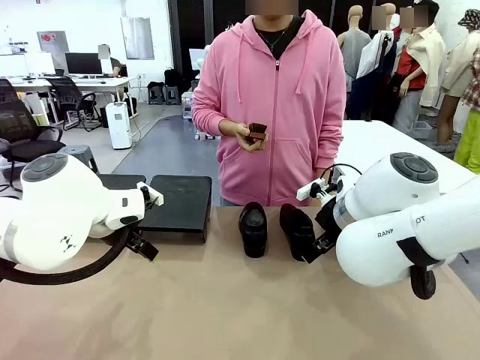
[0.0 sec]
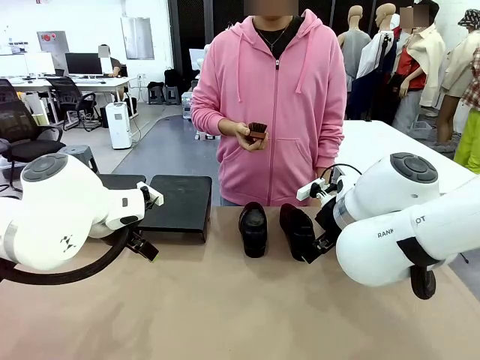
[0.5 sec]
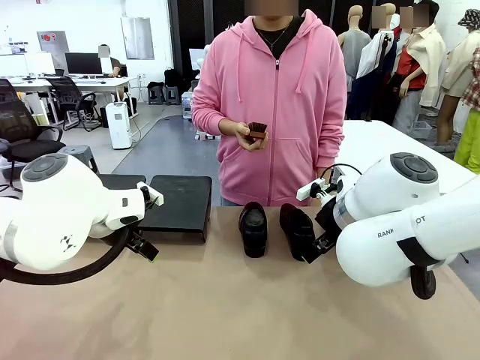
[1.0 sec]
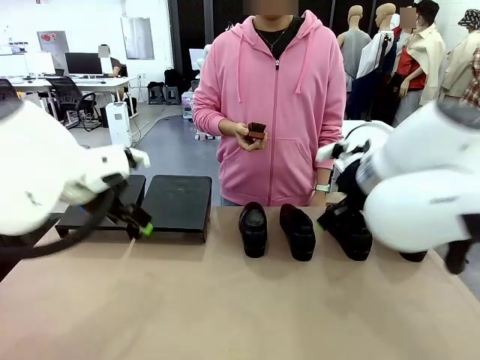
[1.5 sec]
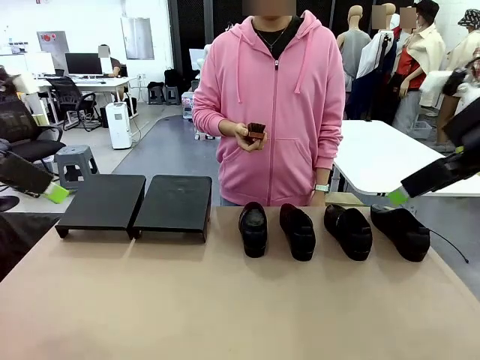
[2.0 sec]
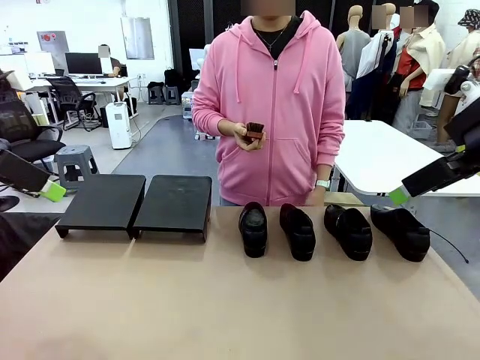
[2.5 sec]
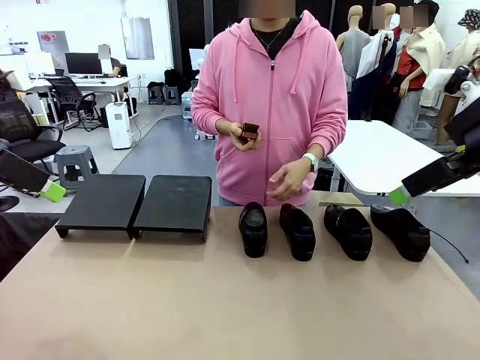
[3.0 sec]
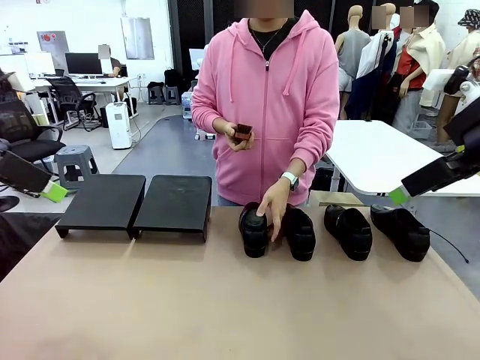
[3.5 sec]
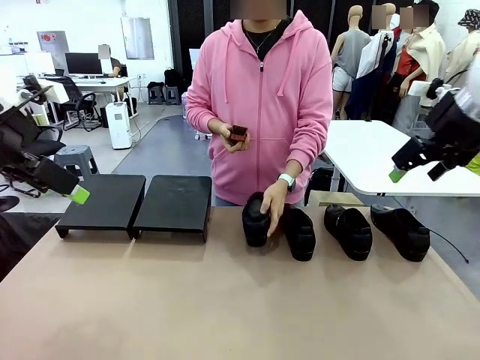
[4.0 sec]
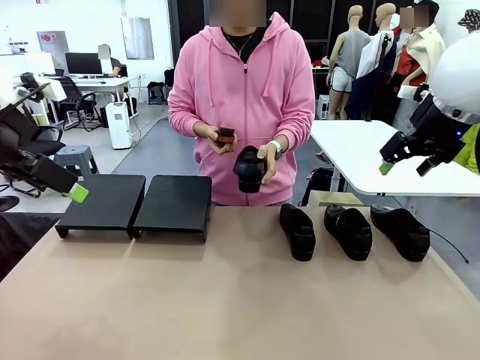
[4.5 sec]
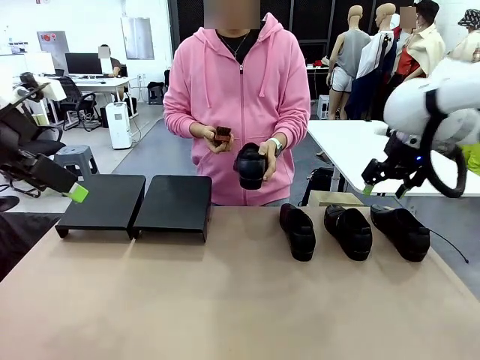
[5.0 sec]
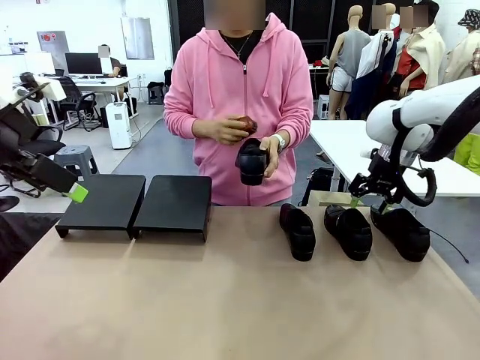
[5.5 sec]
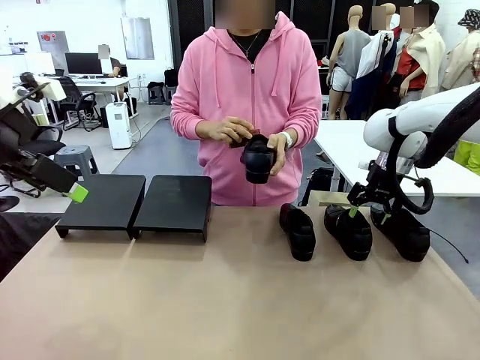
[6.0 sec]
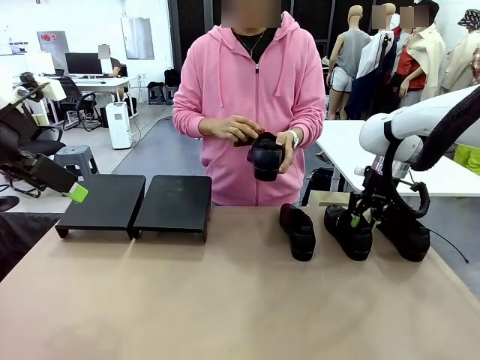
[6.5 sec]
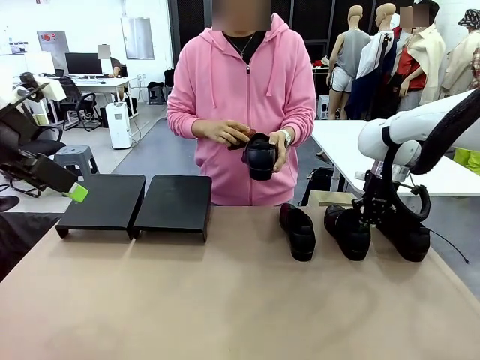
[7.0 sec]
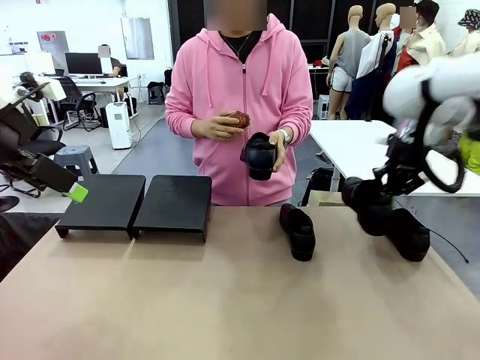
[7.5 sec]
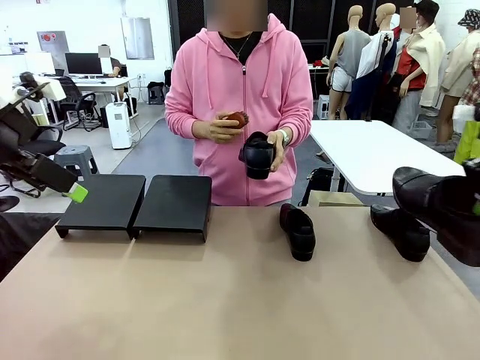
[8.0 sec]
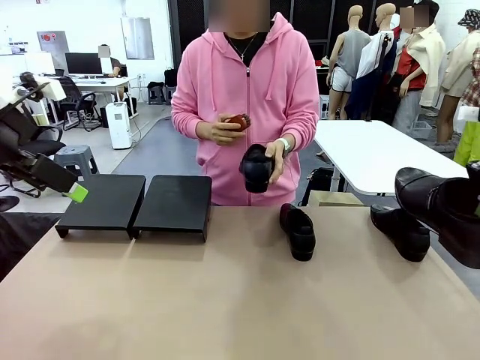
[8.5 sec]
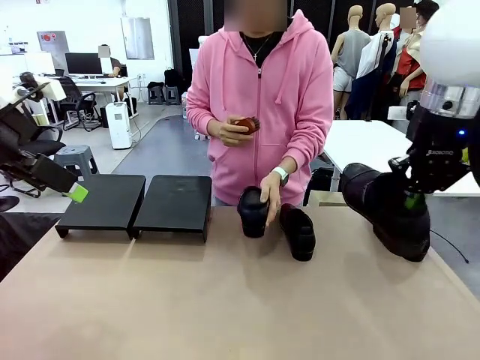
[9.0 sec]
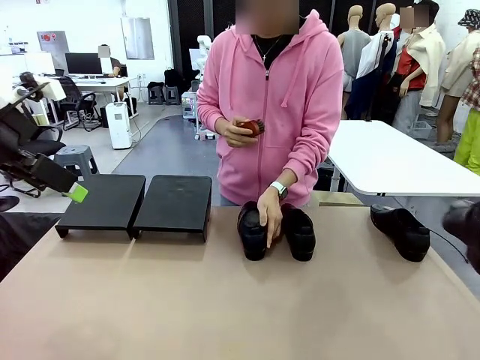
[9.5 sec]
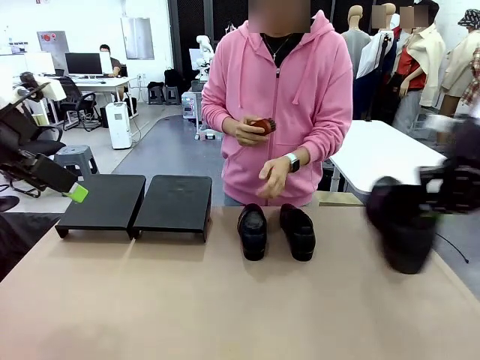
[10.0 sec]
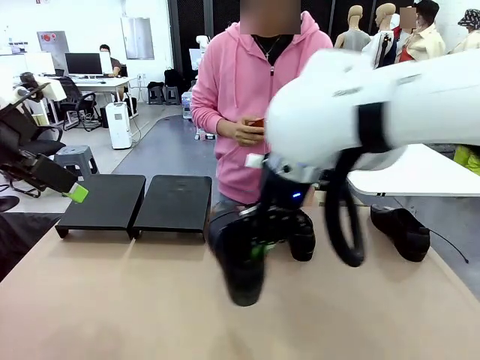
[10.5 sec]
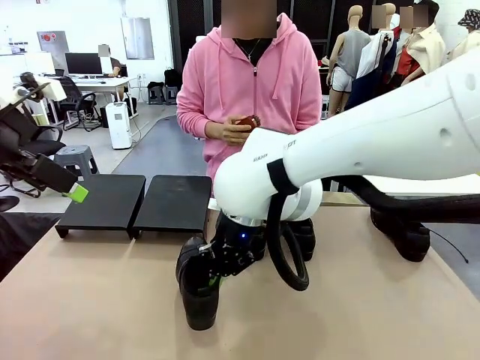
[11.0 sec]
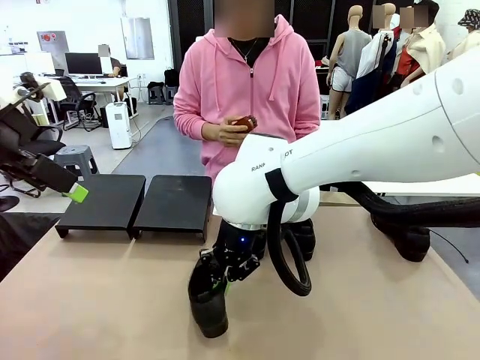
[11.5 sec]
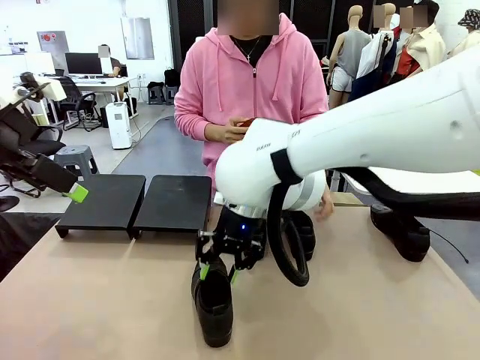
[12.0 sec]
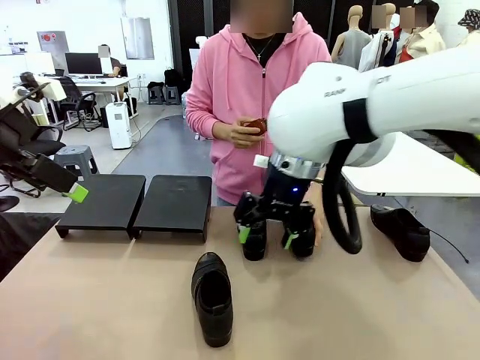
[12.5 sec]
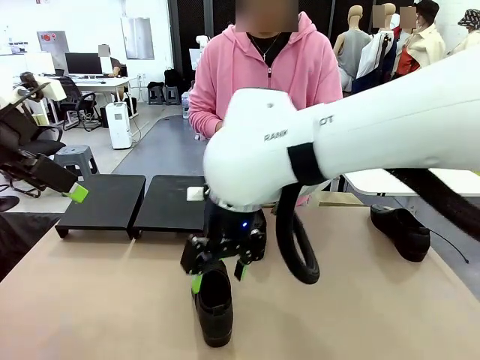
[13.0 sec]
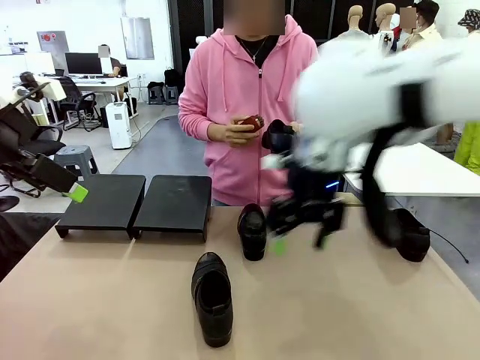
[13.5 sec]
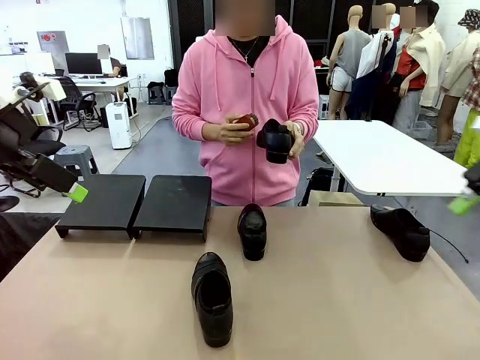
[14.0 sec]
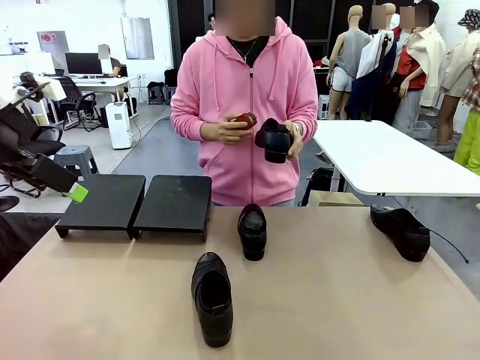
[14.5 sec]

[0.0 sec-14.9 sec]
Task: Organize the shoes by placing them on the stand.
Robot: Pick up one Shoe and place it in the middle of the table.
Person: Pick one Shoe on Robot's table. Clean the Shoe with the Shoe Brush. Place the Shoe on left side of the Robot's table. Pick one Shoe on Robot's table.

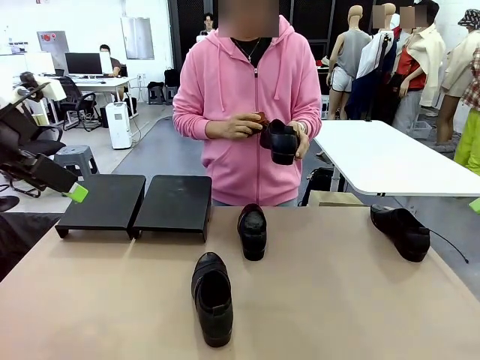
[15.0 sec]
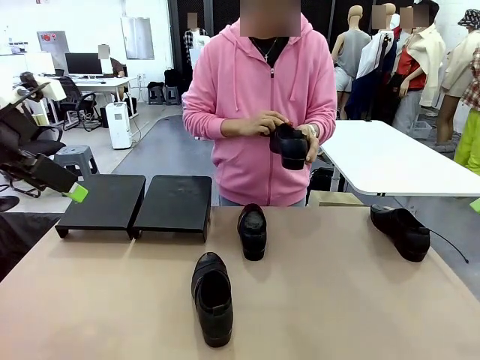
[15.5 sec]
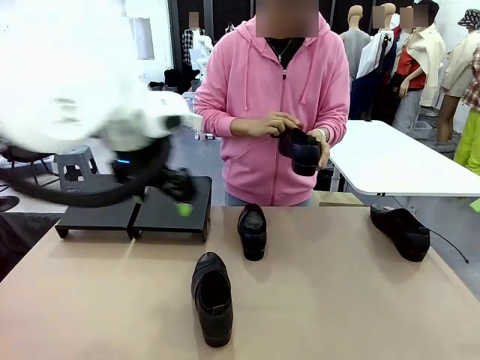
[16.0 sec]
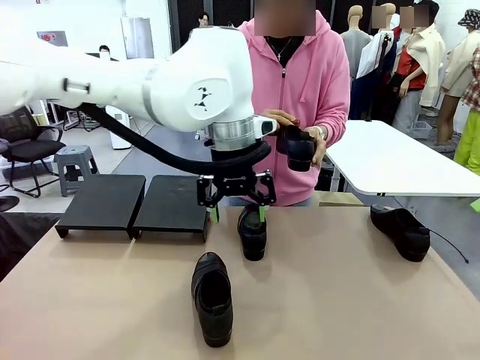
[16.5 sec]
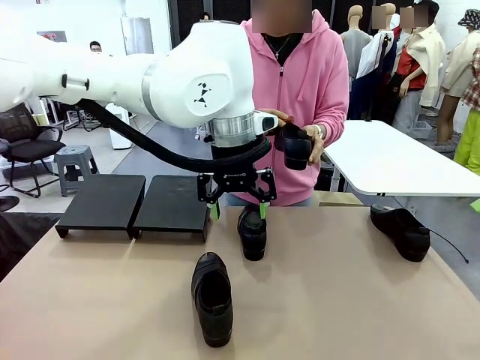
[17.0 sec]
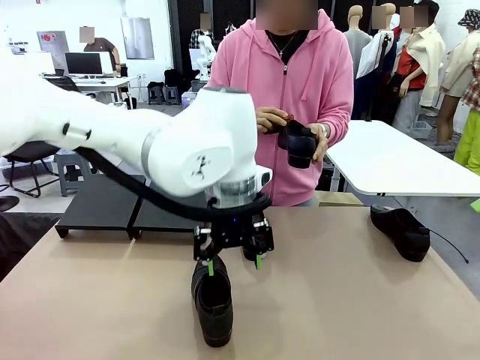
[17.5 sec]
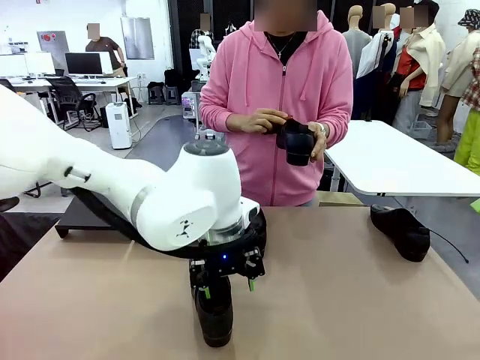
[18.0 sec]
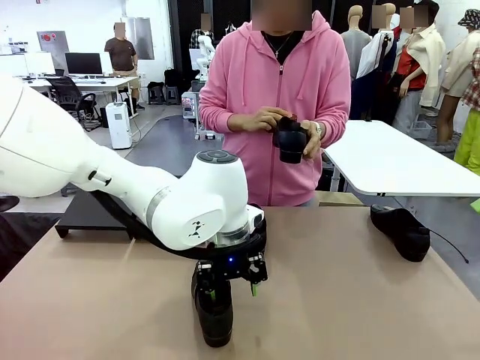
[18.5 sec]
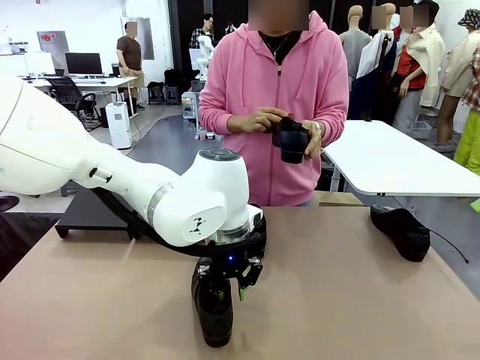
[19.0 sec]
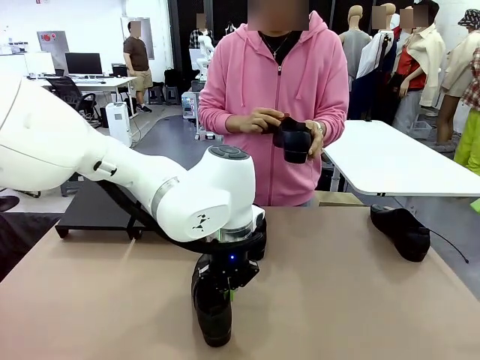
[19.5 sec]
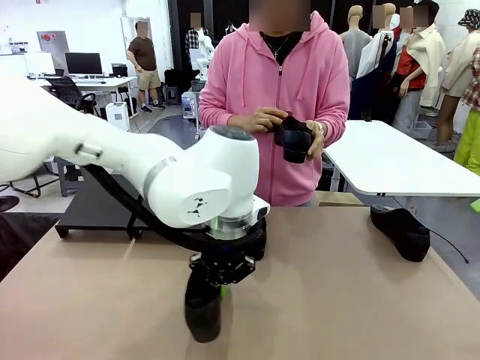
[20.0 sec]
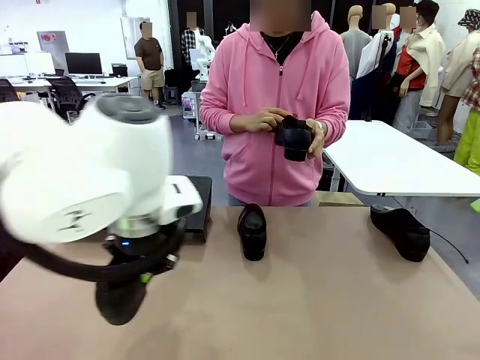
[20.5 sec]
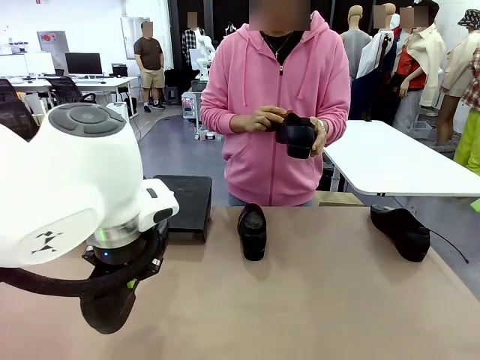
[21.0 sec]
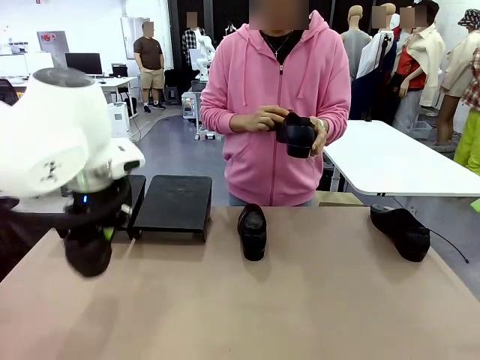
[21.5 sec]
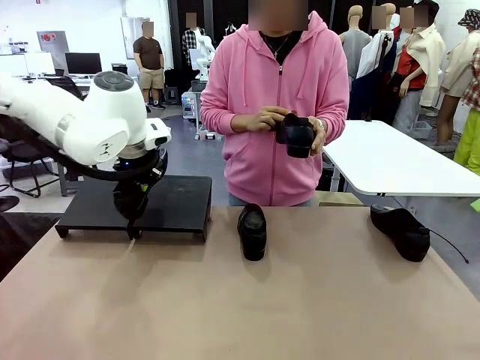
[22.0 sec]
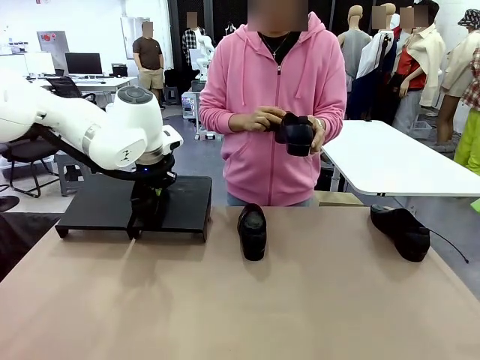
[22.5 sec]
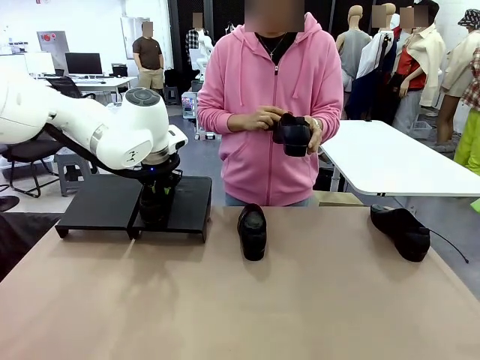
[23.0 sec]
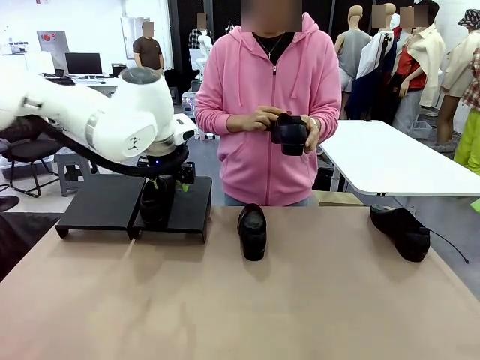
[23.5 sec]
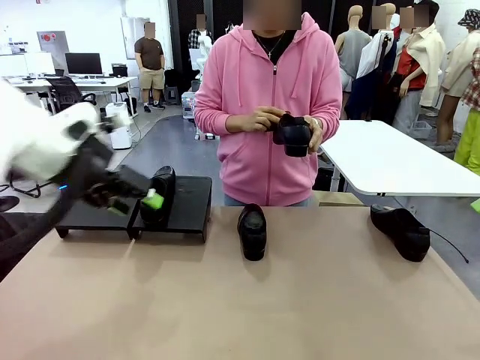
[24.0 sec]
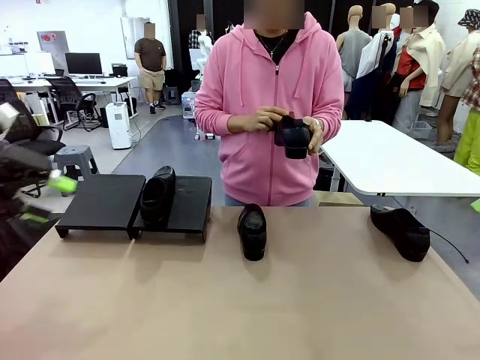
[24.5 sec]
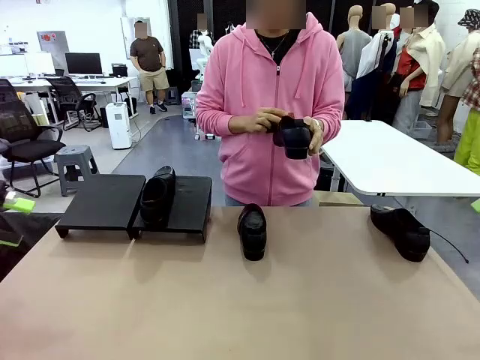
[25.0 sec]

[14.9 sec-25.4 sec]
Robot: Place the Shoe from the middle of the table onto the Shoes Stand.
Person: Clean the Shoe with the Shoe Brush.
